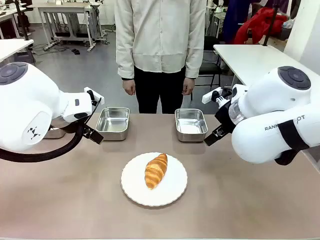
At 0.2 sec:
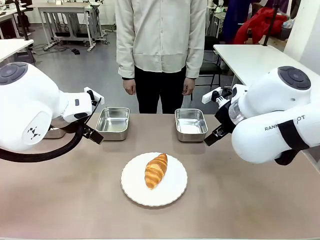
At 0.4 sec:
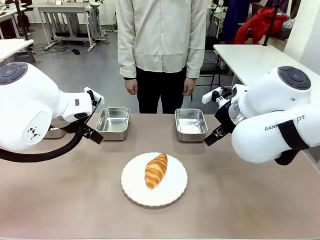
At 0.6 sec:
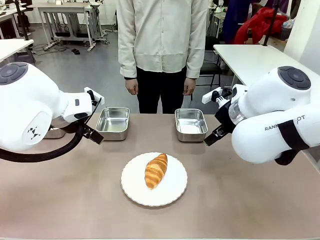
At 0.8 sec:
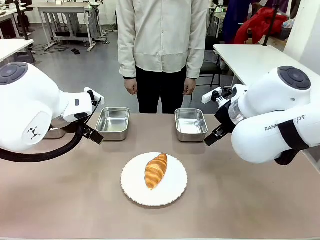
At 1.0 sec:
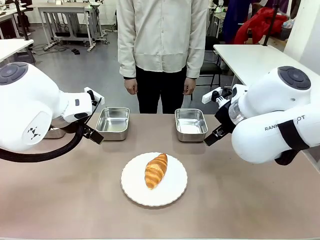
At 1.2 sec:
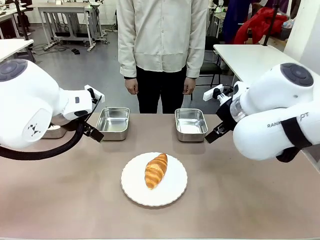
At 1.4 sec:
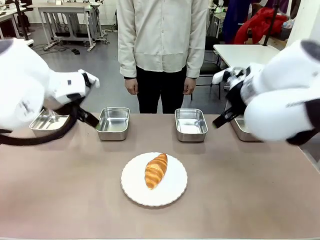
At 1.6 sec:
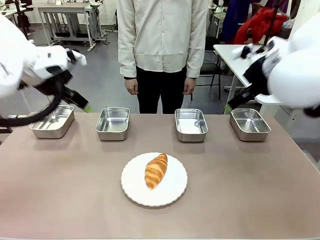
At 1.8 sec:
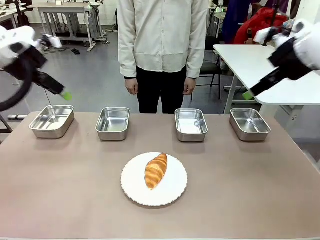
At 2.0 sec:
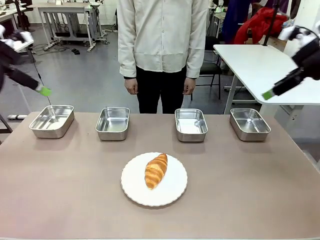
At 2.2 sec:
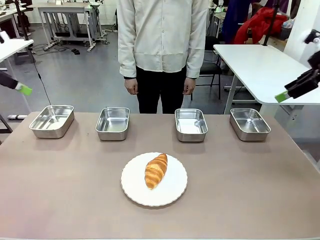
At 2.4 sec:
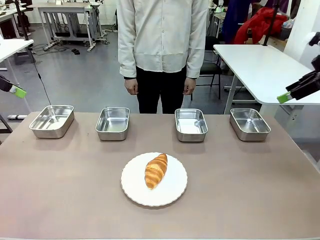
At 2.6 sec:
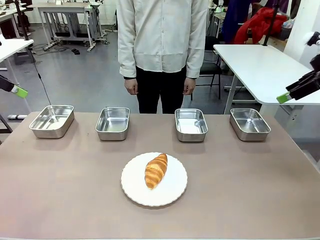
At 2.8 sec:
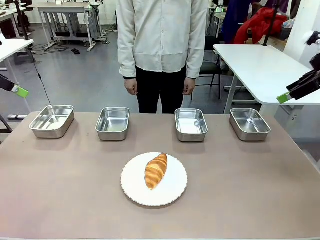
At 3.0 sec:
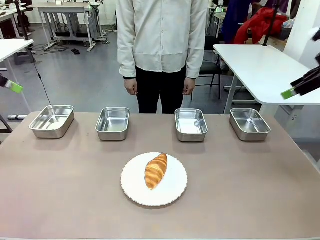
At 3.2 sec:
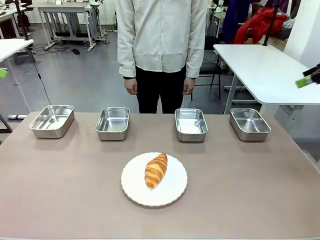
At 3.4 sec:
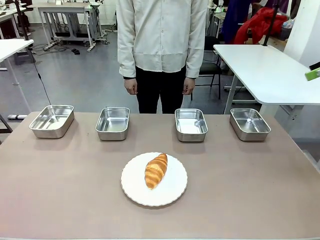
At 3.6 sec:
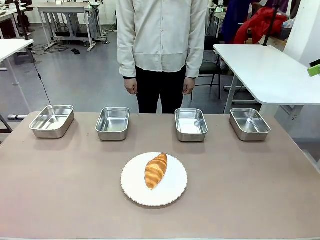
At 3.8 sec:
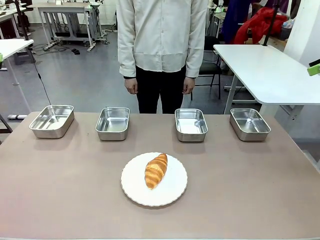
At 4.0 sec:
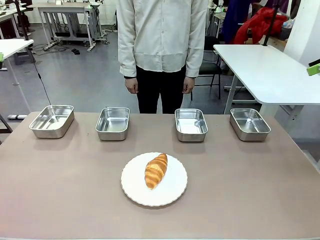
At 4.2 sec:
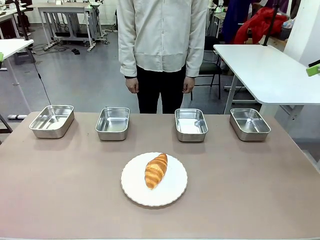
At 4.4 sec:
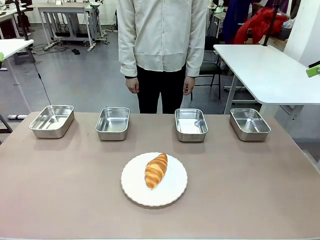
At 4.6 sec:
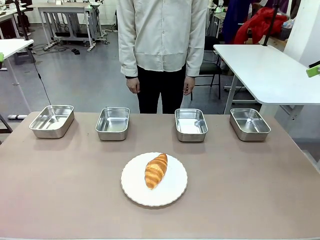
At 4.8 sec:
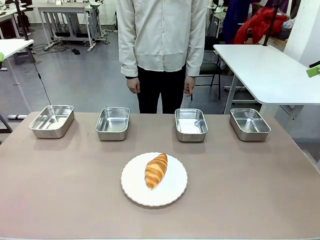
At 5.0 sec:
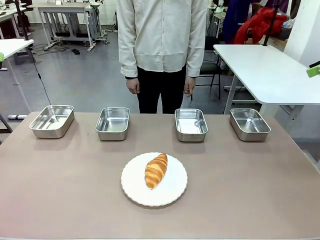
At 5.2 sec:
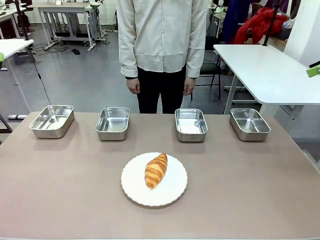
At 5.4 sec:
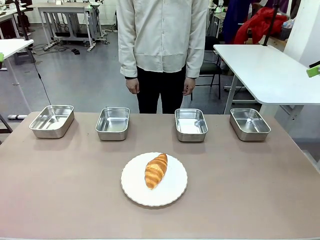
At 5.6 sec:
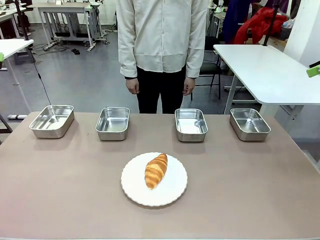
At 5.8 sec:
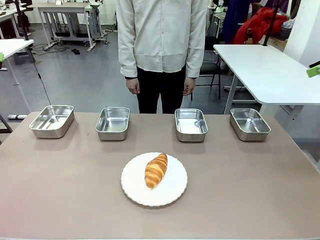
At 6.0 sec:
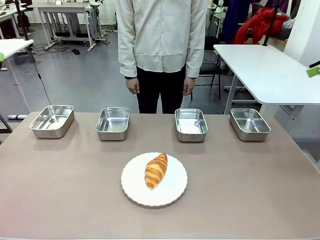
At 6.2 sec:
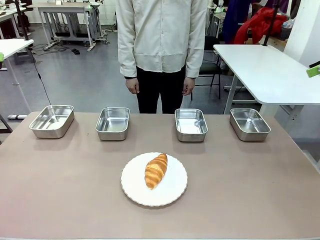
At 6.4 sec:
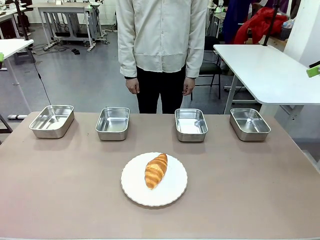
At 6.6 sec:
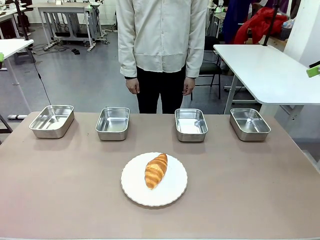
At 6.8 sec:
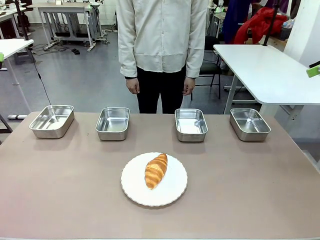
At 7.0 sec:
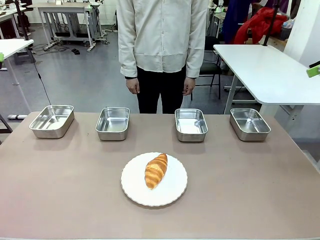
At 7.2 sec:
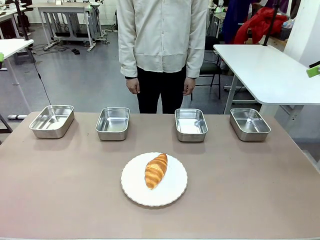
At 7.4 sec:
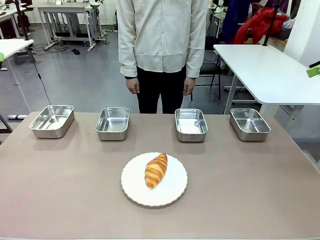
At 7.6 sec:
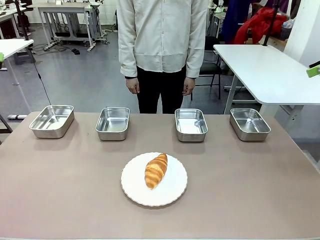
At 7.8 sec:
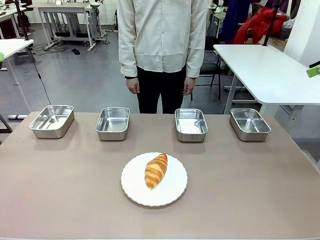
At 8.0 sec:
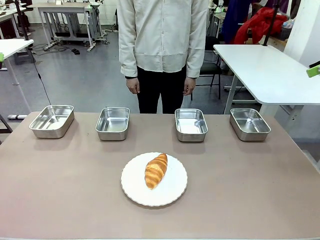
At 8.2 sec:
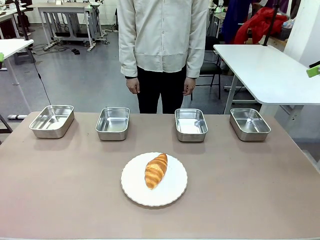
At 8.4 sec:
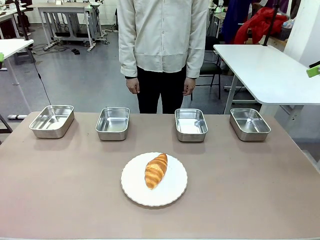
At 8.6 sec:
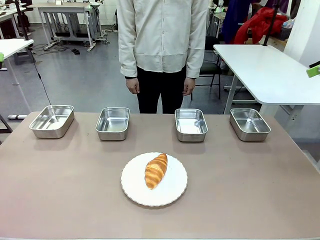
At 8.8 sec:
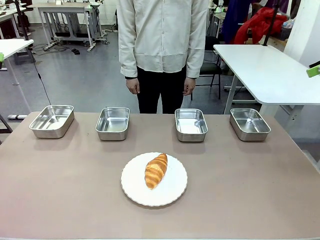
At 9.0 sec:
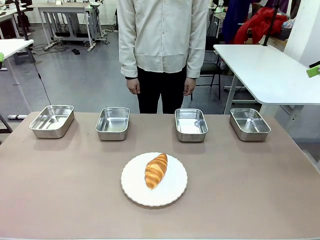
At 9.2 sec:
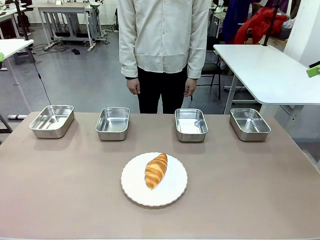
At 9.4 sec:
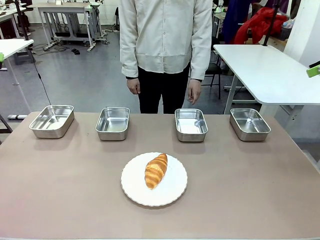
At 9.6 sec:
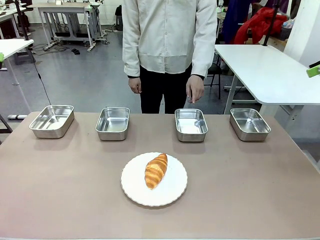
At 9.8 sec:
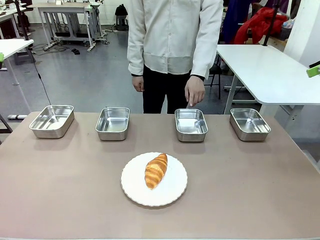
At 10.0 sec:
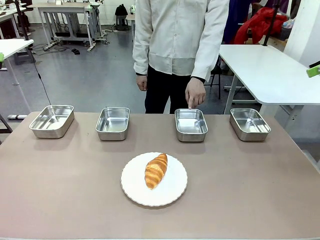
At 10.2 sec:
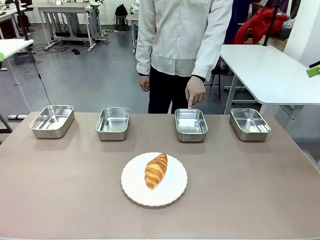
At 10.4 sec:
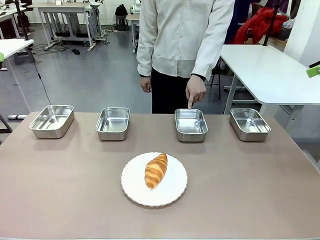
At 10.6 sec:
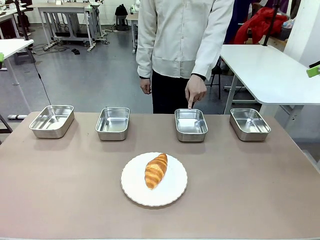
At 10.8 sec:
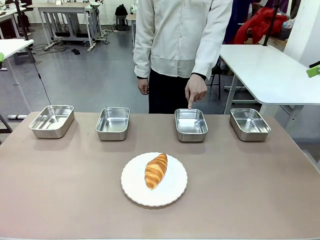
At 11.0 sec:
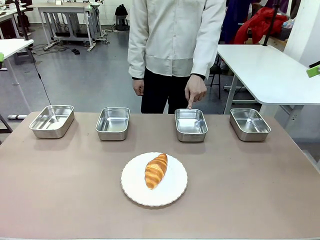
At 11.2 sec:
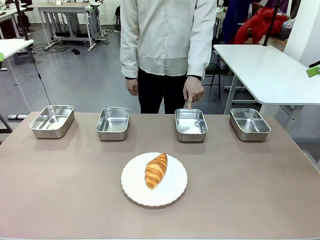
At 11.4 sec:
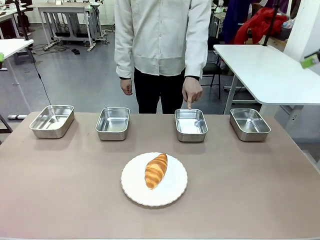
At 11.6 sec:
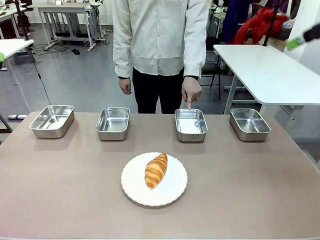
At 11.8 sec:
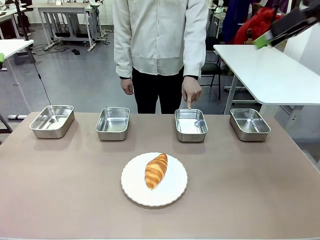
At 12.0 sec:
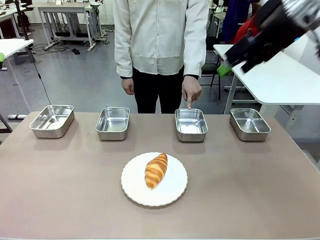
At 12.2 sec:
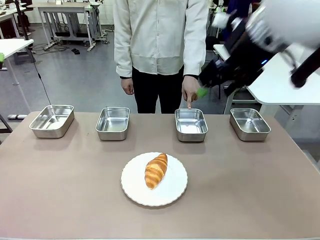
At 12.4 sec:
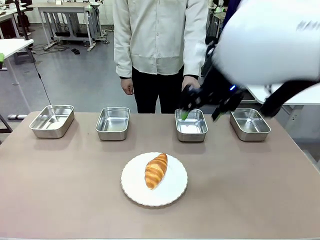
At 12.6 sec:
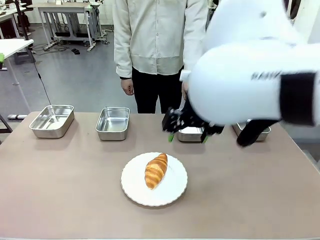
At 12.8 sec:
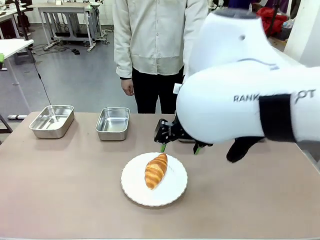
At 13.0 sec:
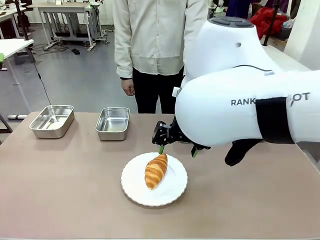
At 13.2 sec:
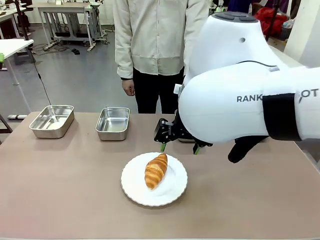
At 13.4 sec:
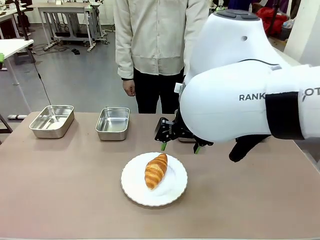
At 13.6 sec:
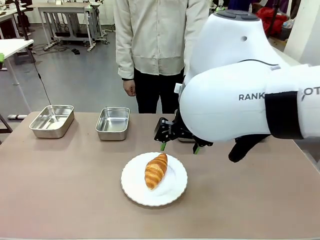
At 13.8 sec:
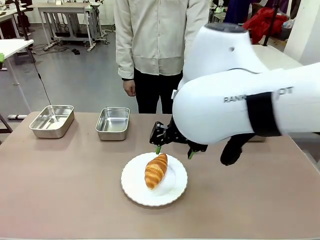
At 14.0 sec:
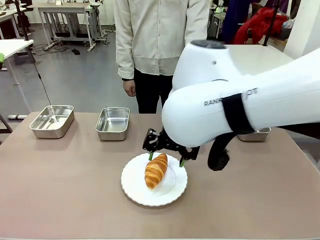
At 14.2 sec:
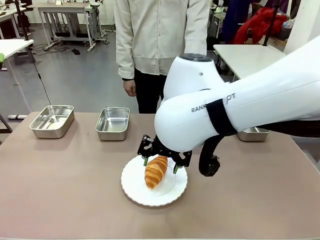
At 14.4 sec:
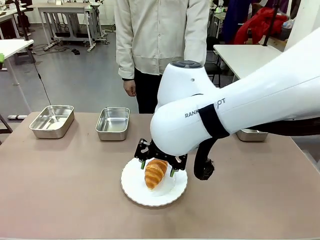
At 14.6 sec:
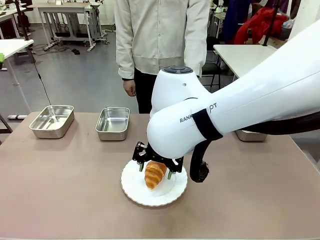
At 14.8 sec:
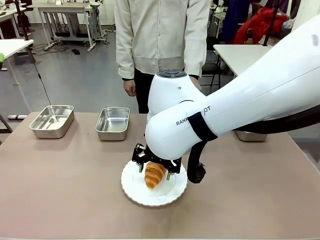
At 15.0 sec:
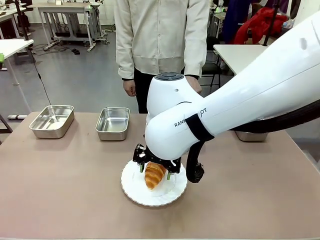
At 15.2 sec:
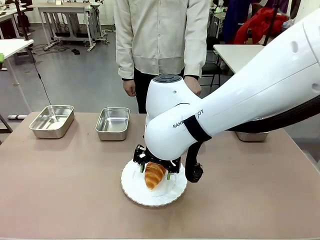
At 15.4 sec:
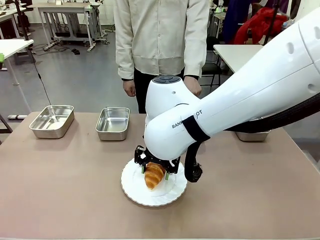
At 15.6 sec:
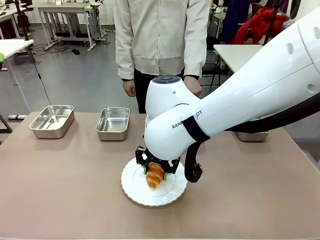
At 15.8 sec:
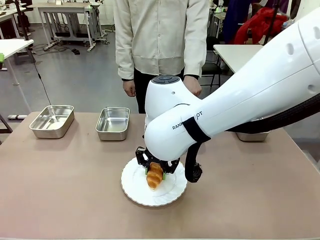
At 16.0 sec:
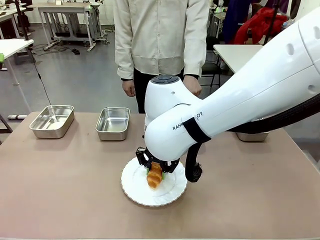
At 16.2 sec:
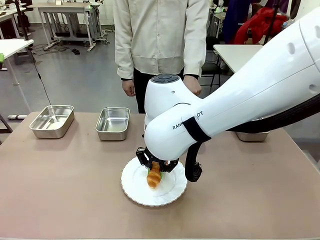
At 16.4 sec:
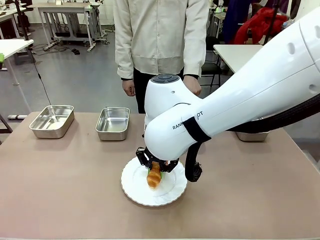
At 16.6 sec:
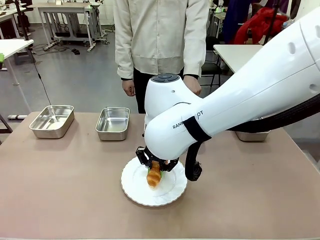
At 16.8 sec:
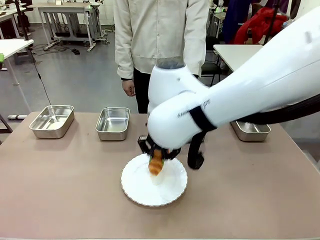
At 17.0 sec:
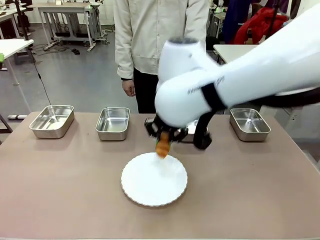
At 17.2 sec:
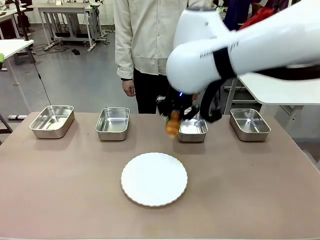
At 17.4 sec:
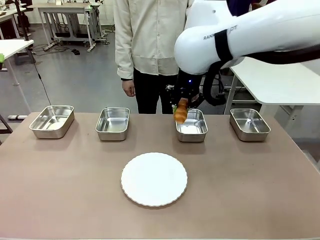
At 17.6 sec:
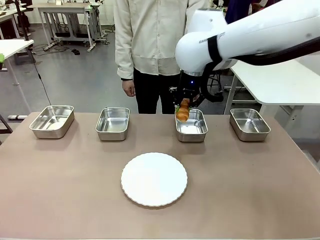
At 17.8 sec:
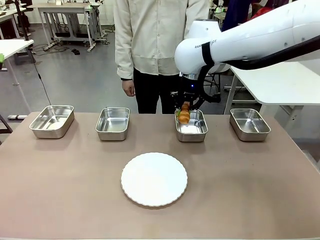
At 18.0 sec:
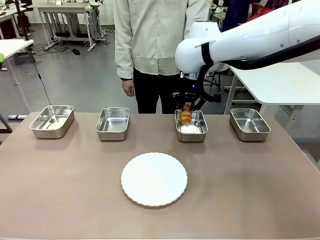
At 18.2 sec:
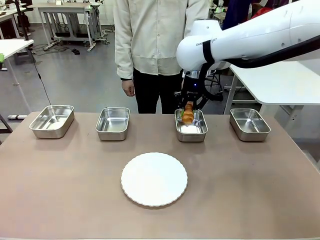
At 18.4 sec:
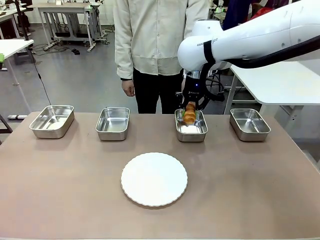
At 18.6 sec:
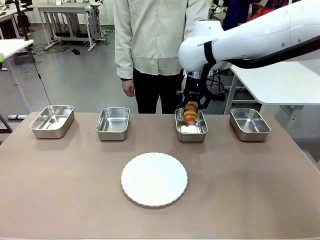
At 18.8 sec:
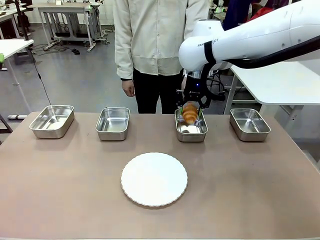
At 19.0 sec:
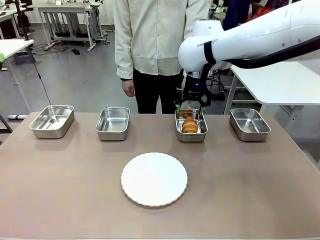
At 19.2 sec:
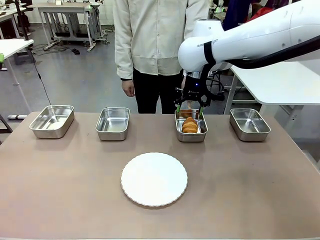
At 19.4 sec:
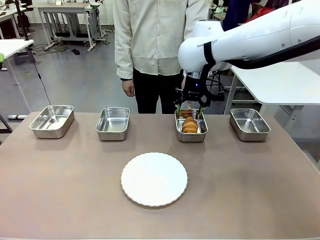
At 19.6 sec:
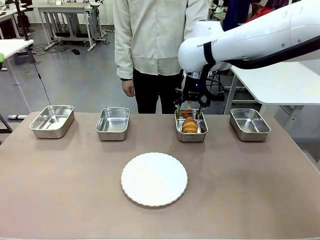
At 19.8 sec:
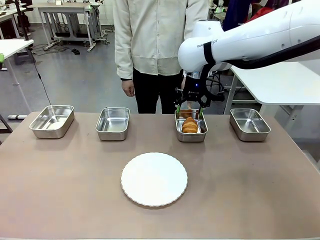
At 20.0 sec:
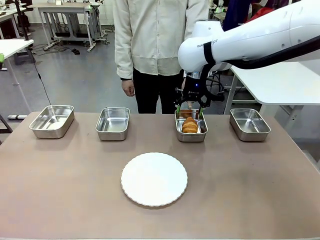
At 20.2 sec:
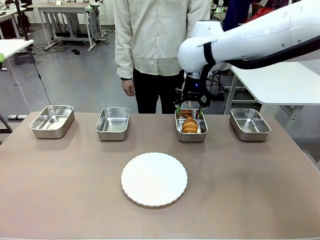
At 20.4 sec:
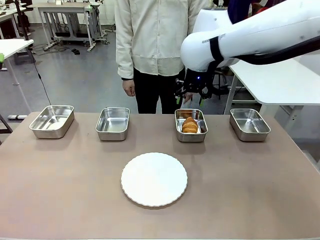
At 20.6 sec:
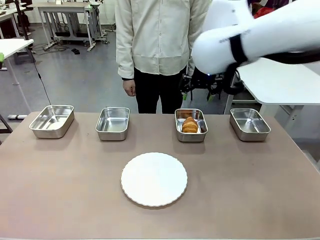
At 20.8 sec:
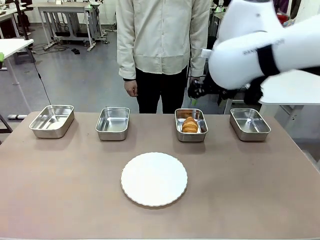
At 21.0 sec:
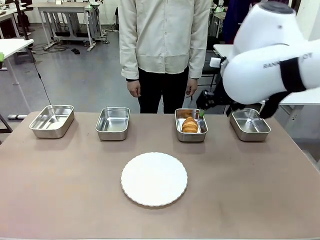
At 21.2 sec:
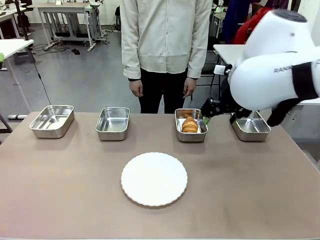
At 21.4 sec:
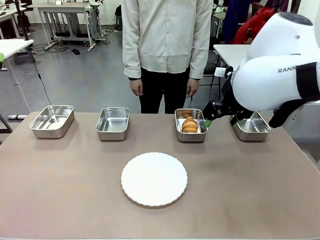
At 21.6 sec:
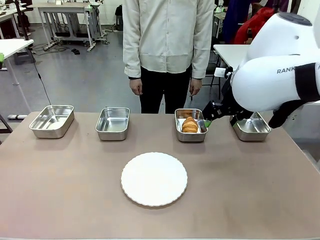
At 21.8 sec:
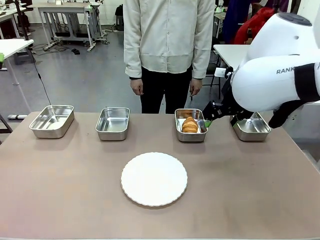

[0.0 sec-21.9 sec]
Task: Place the bread in the container.
Robot: Place the Butter Roll into the Airtight Container indicated by the human.
Person: A person randomly selects and points to an Airtight Container.
